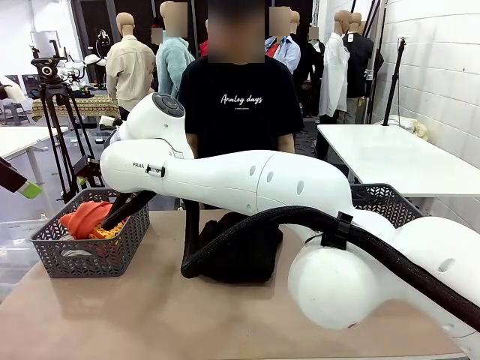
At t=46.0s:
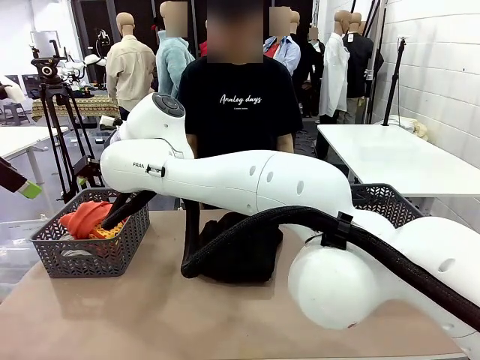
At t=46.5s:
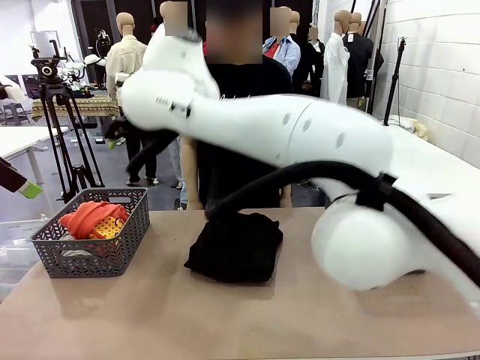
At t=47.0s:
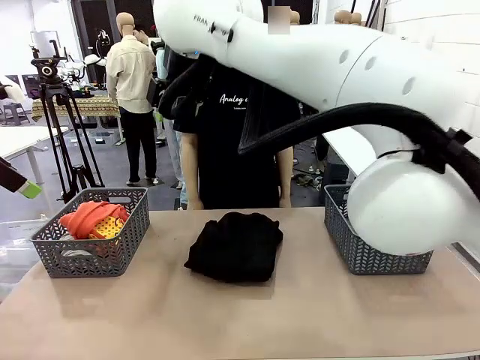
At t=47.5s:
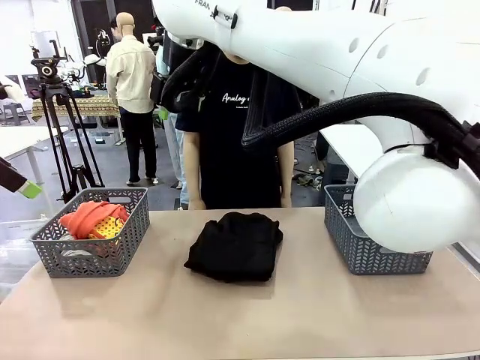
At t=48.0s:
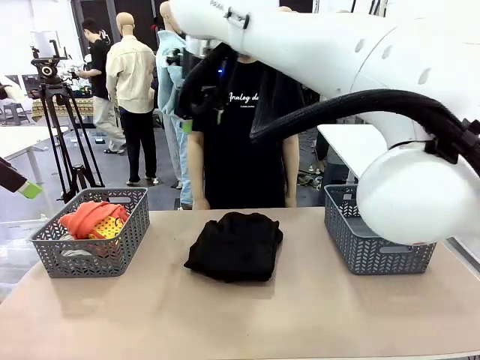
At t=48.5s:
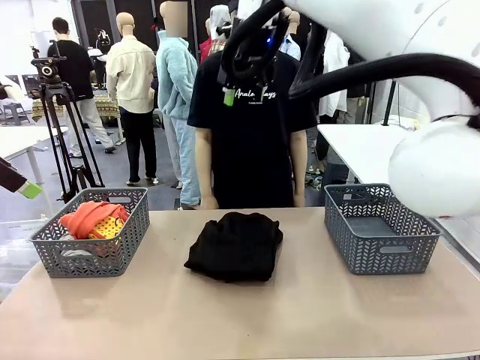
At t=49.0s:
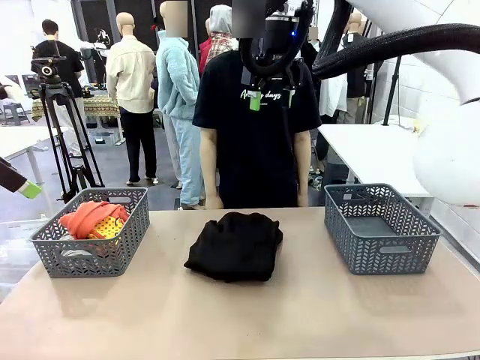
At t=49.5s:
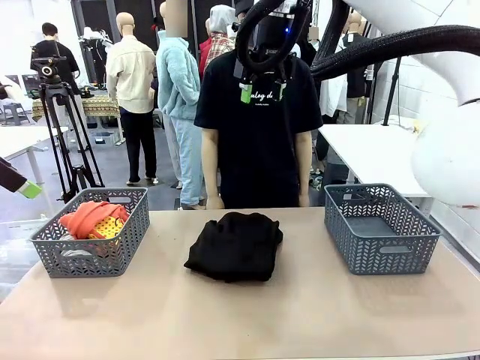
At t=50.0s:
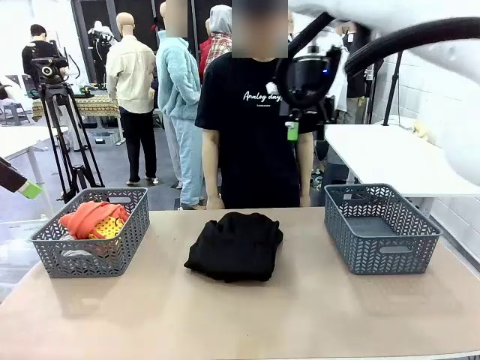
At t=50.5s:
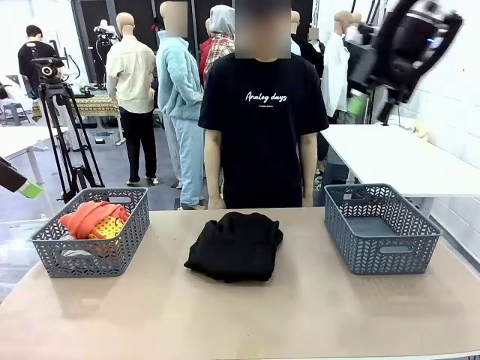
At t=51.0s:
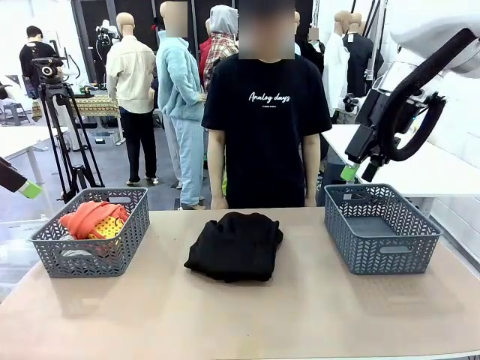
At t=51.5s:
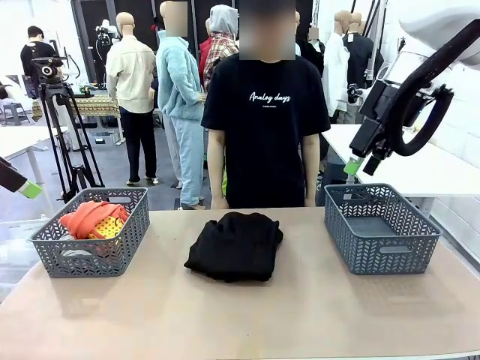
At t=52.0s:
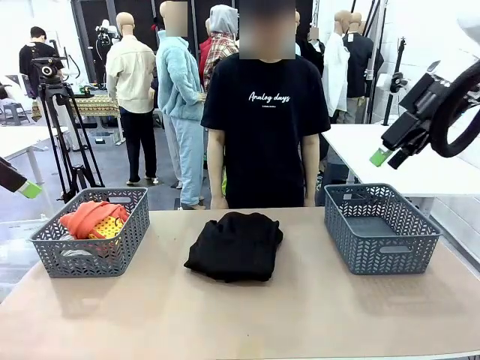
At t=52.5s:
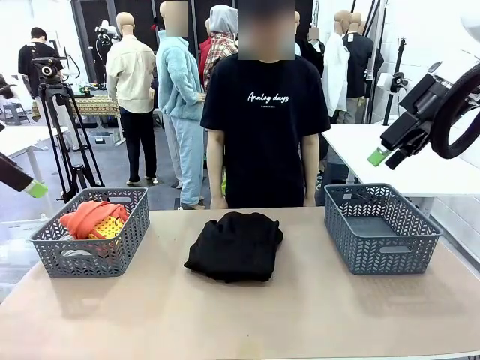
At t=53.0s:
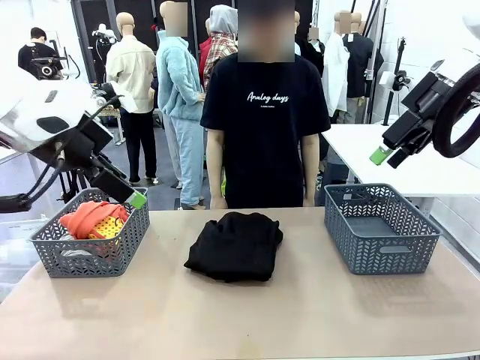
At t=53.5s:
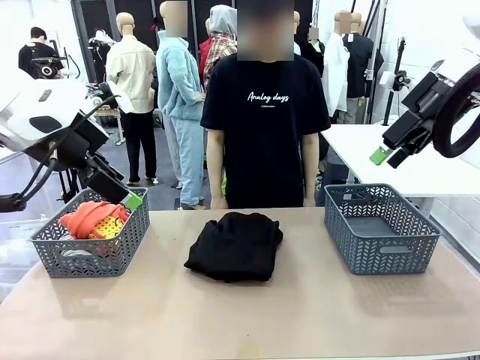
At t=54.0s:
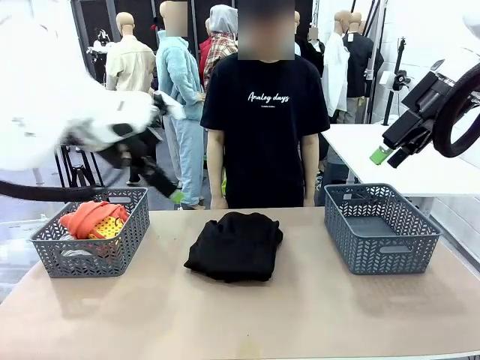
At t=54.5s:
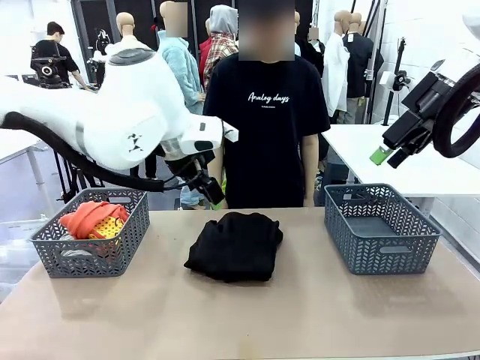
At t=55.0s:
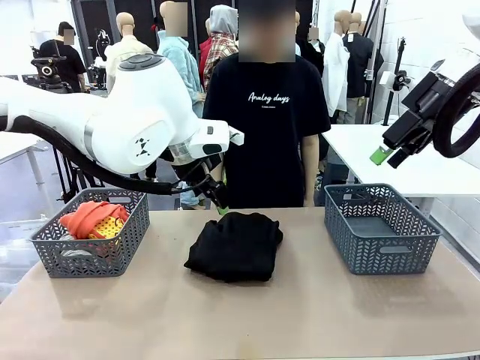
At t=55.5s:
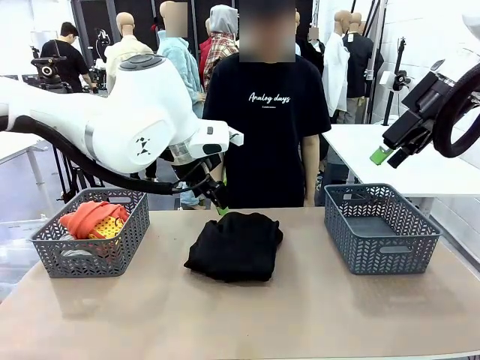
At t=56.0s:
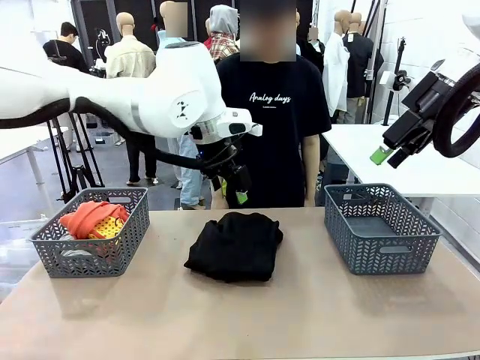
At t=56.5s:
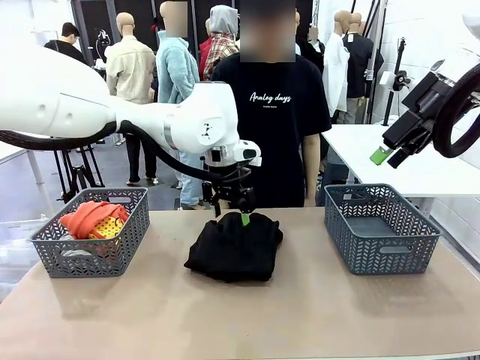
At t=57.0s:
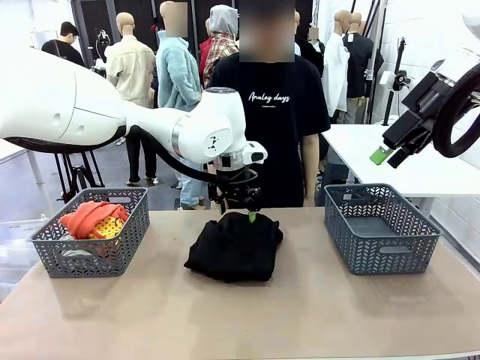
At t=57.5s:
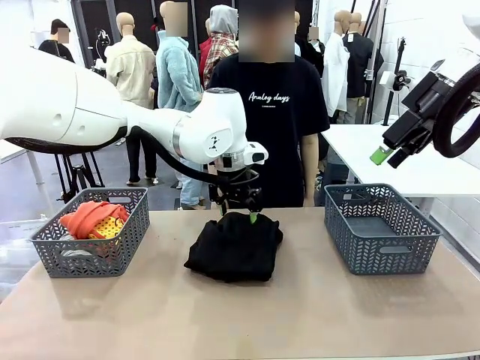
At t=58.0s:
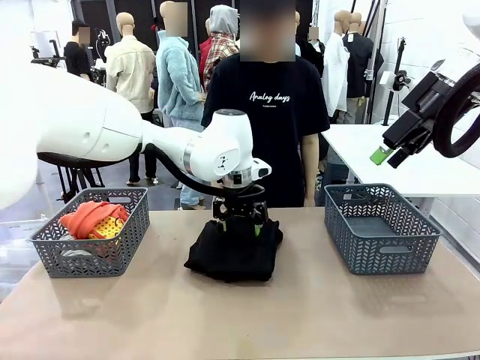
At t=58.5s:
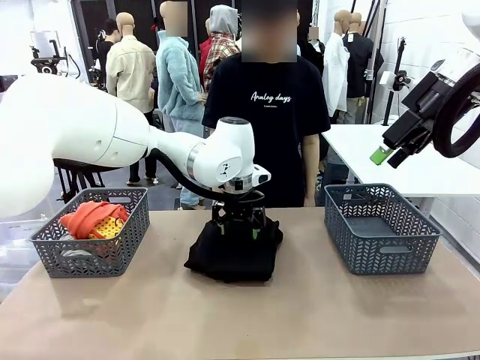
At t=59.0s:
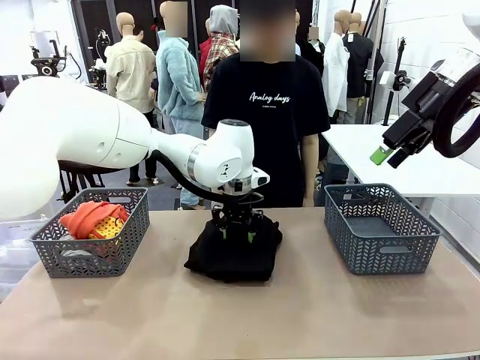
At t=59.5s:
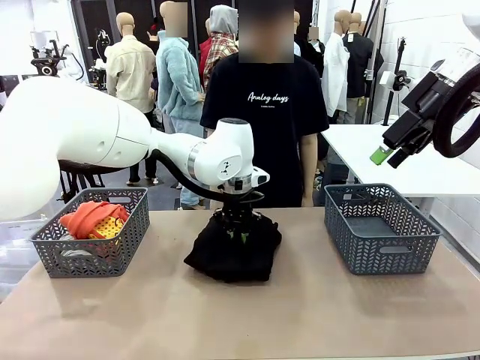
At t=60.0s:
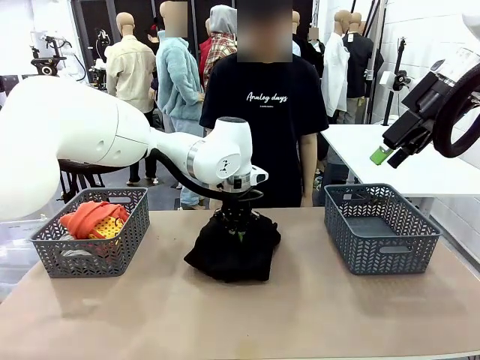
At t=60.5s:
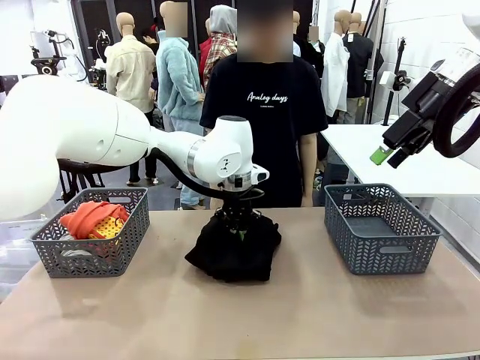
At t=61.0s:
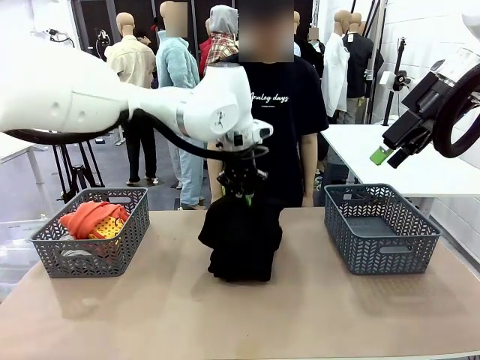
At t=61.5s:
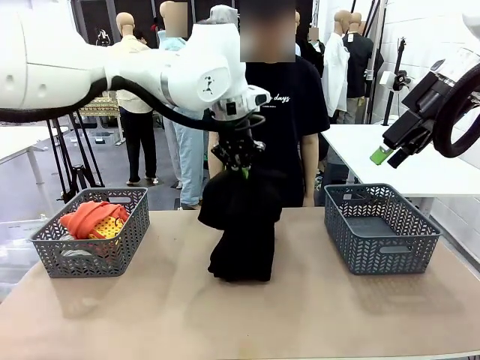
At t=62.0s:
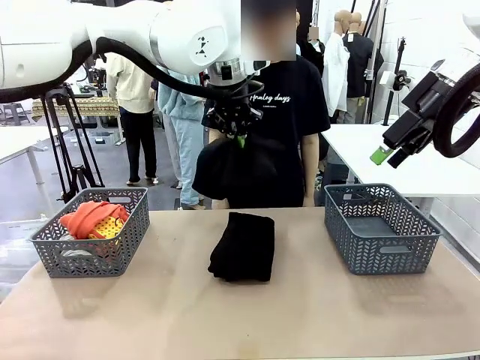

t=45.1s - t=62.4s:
Task: Sort the tops and bottoms.
Robot: Lift clothes from the center of the table with your left hand.

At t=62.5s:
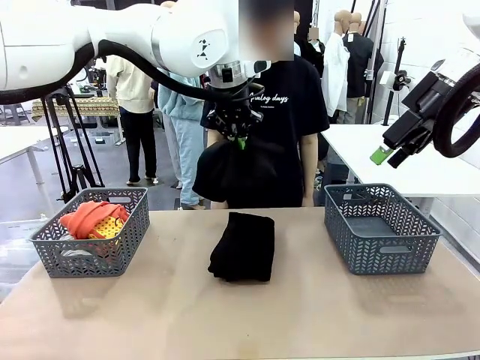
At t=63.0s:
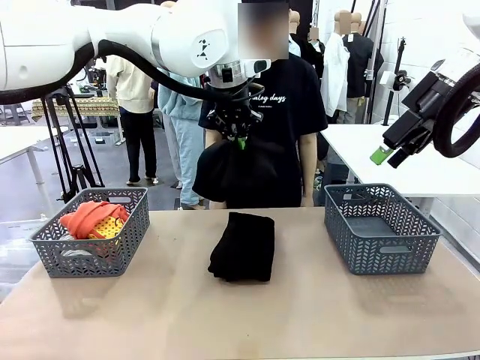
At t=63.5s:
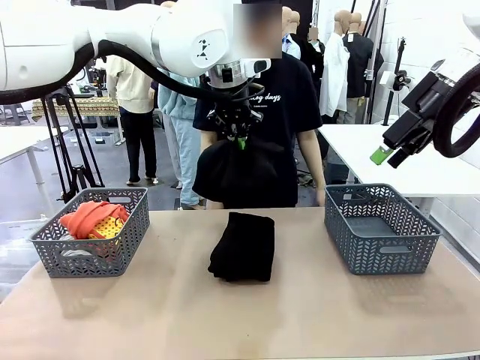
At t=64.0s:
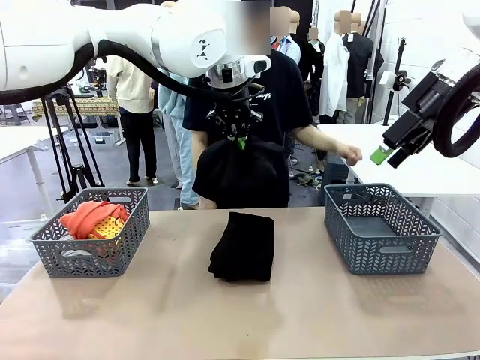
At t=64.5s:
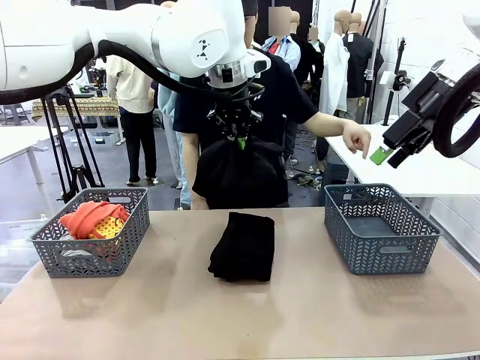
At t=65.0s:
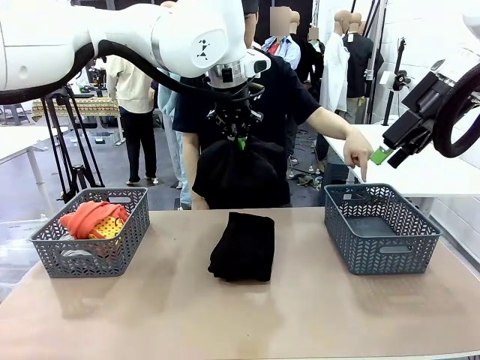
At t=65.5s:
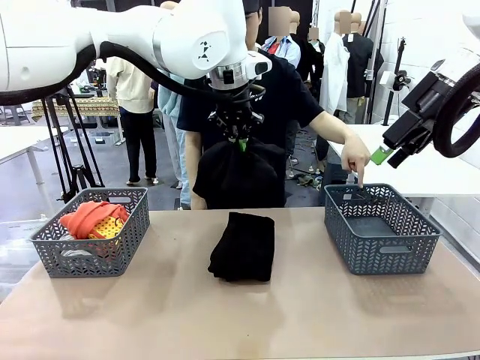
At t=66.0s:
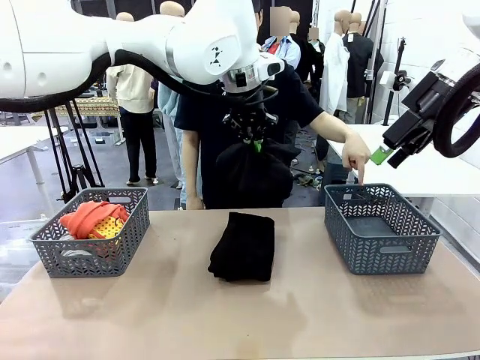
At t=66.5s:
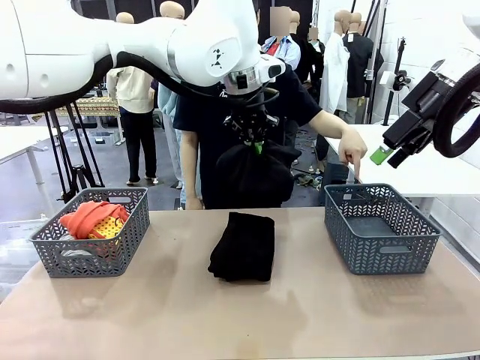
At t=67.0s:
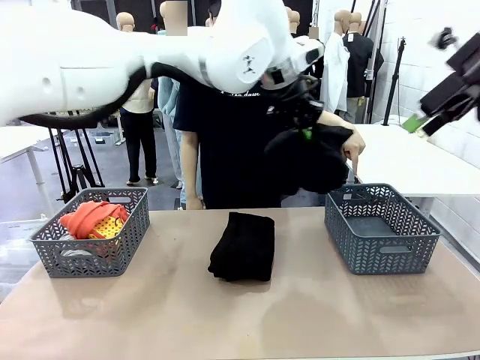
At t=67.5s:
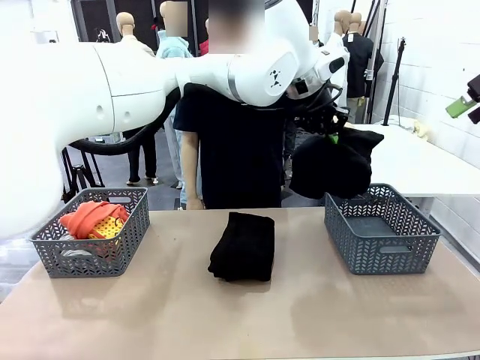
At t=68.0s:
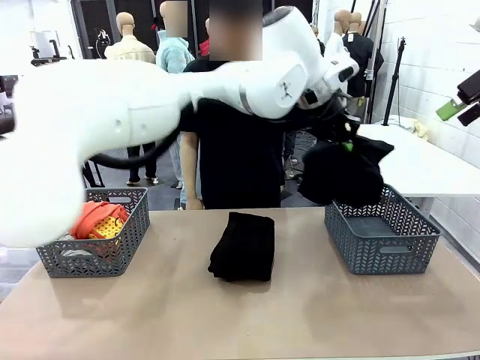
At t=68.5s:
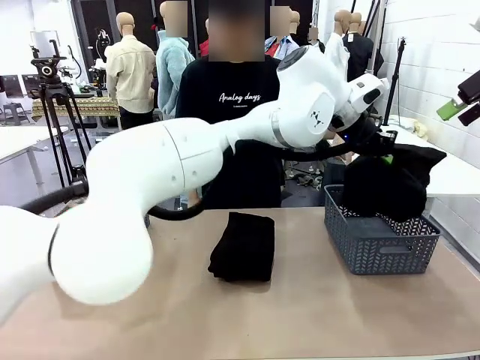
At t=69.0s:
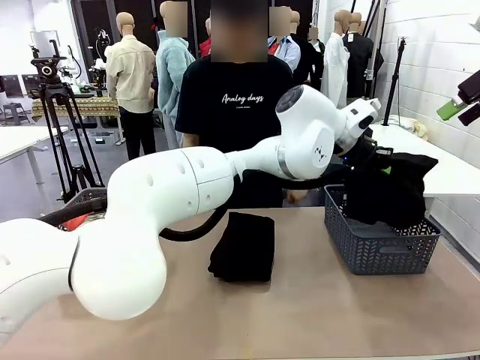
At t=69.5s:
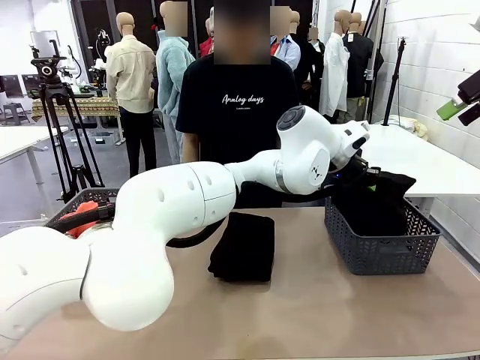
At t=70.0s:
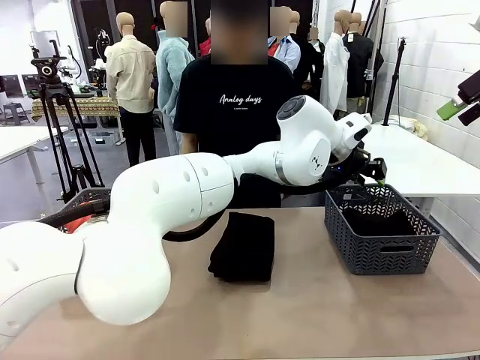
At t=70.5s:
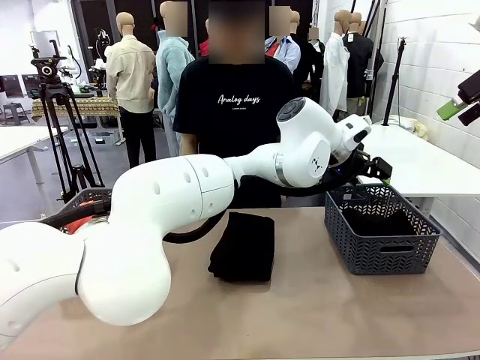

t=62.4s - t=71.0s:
Robot: Sort the clothes according to human instructions.

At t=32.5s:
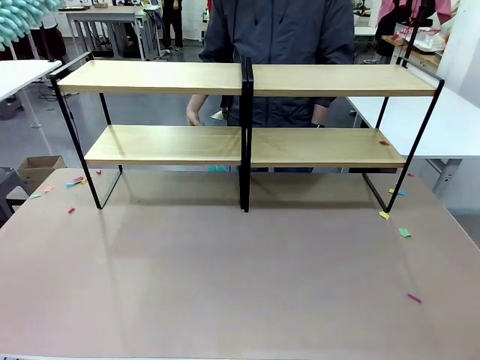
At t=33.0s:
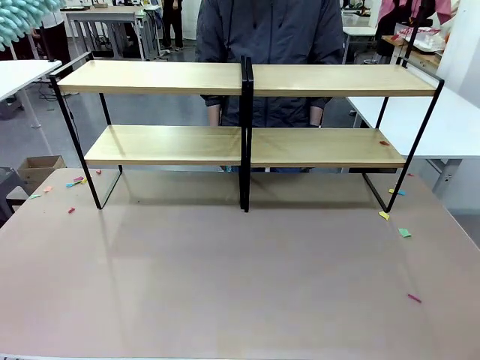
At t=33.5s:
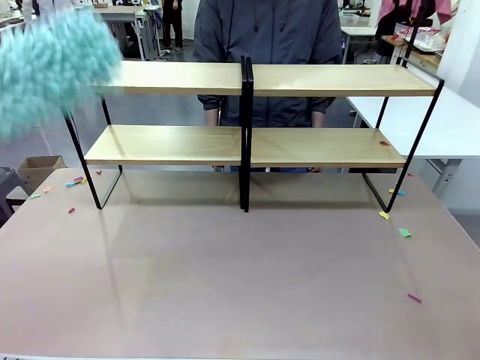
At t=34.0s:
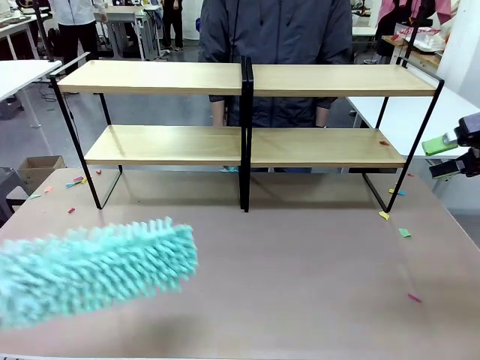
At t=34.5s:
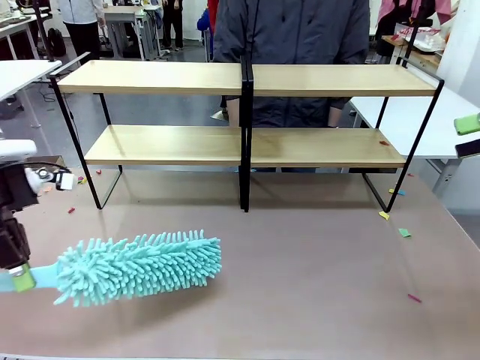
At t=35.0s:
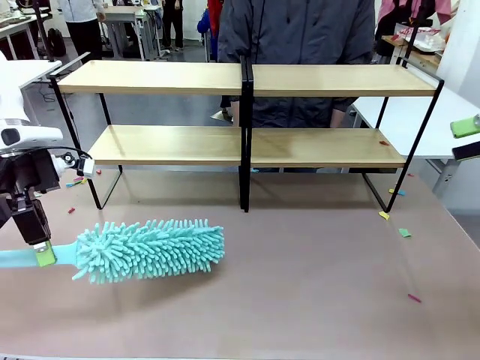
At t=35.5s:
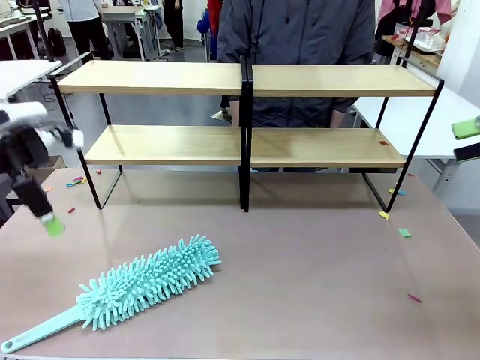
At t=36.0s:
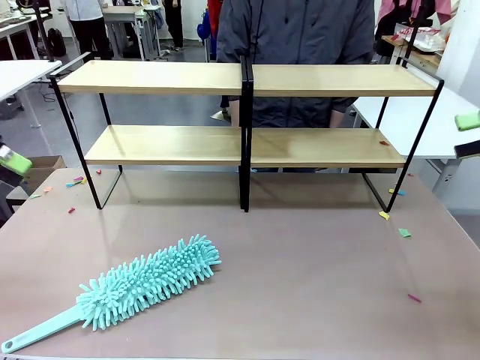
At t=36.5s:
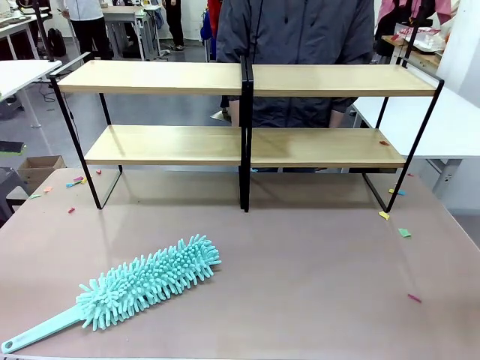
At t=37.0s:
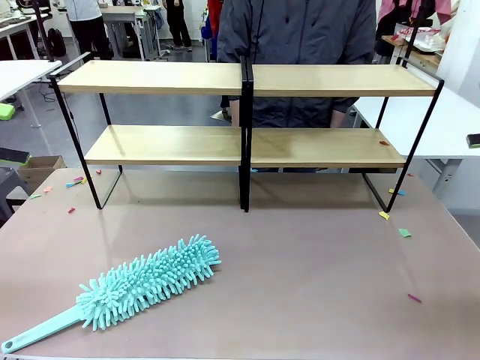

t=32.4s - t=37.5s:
Task: Clean the shelves.
Robot: Place the Duster on the table.
